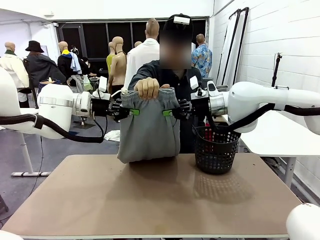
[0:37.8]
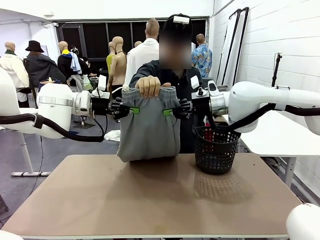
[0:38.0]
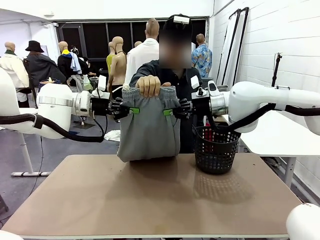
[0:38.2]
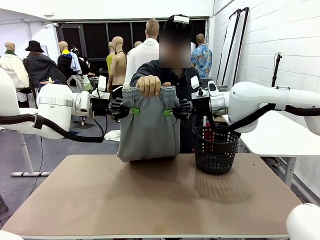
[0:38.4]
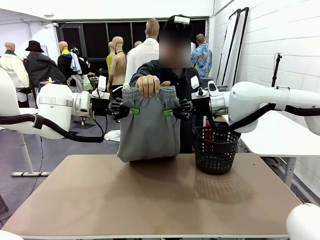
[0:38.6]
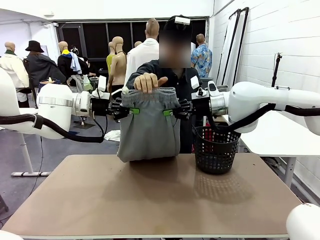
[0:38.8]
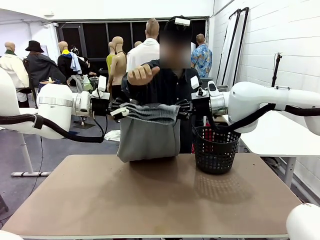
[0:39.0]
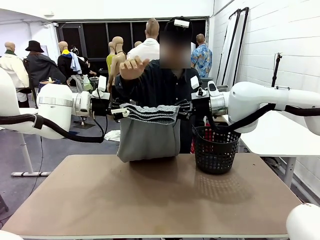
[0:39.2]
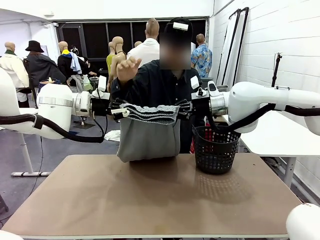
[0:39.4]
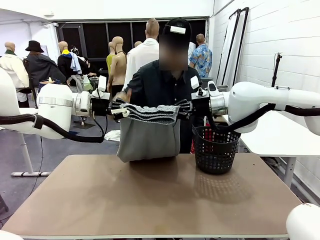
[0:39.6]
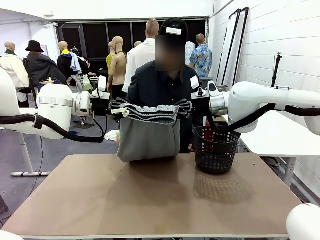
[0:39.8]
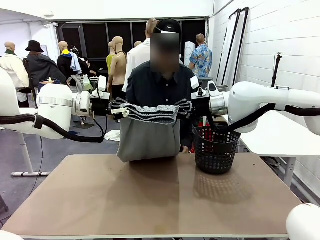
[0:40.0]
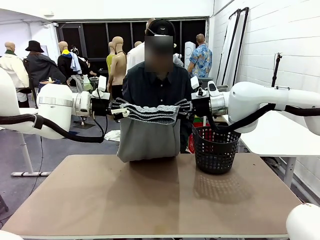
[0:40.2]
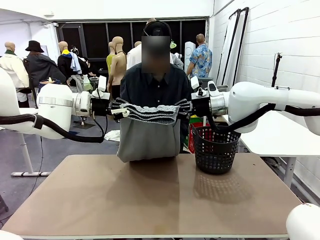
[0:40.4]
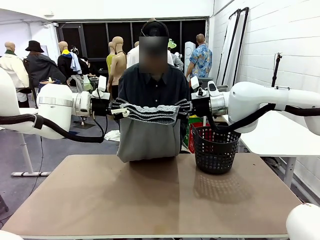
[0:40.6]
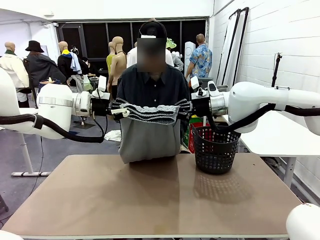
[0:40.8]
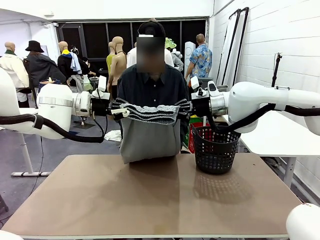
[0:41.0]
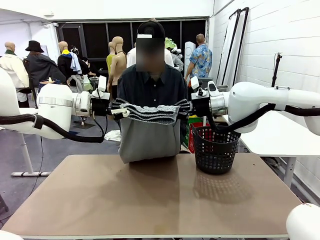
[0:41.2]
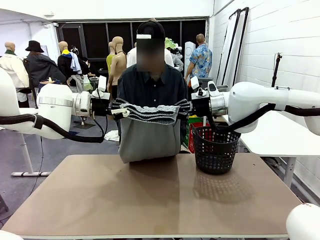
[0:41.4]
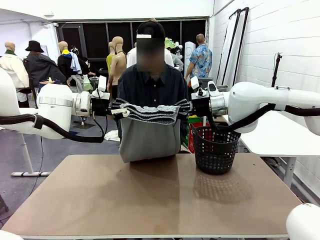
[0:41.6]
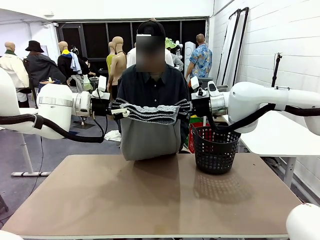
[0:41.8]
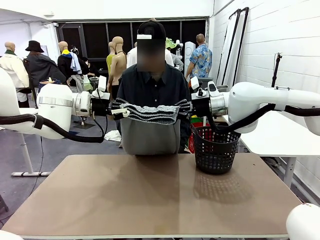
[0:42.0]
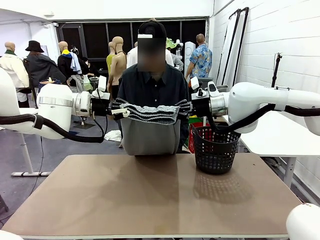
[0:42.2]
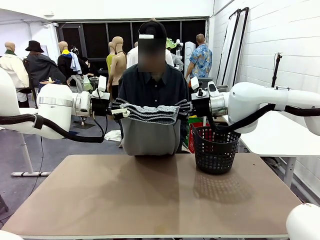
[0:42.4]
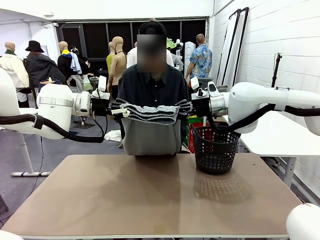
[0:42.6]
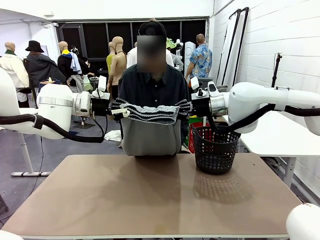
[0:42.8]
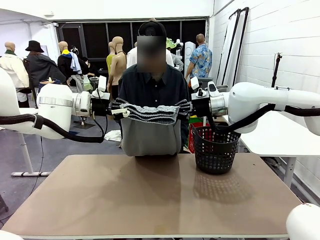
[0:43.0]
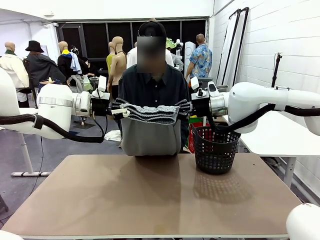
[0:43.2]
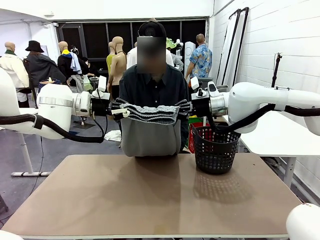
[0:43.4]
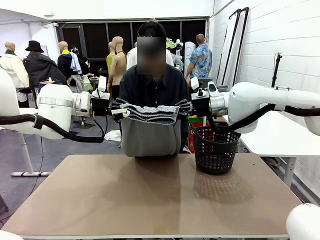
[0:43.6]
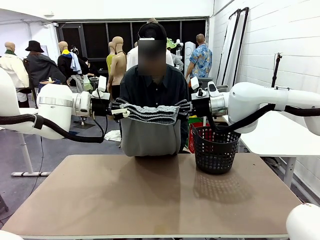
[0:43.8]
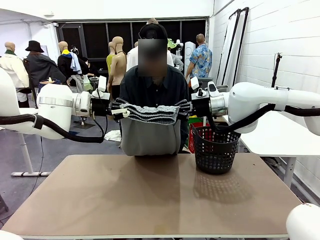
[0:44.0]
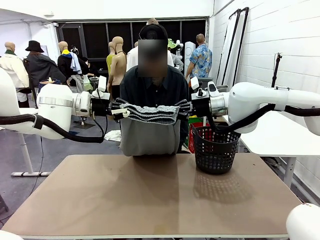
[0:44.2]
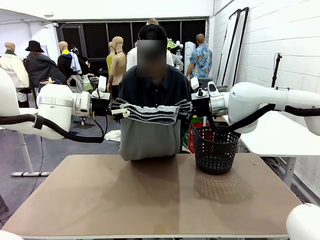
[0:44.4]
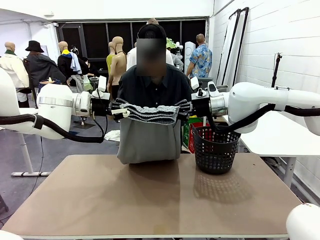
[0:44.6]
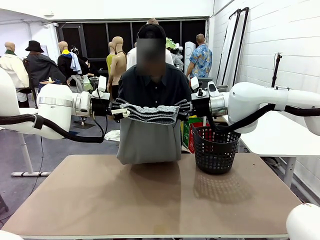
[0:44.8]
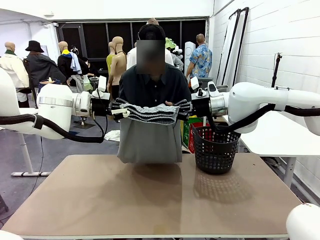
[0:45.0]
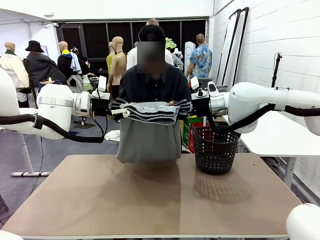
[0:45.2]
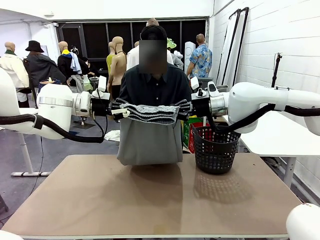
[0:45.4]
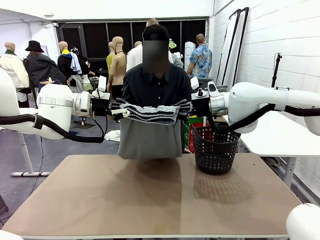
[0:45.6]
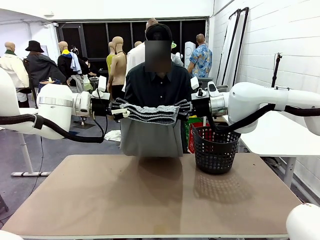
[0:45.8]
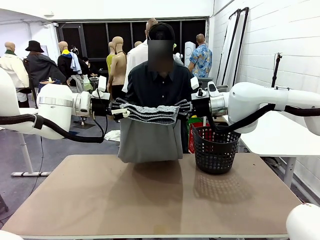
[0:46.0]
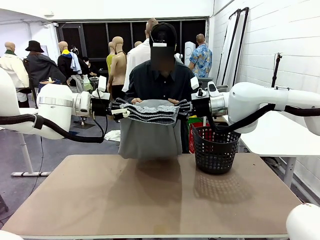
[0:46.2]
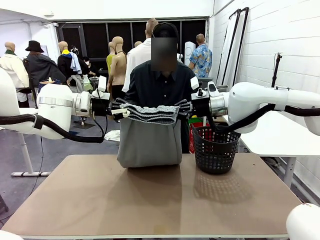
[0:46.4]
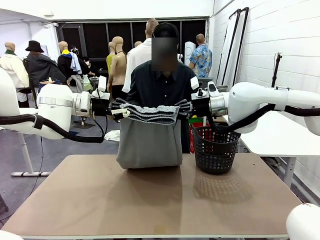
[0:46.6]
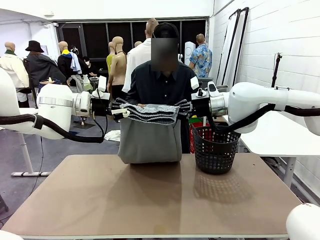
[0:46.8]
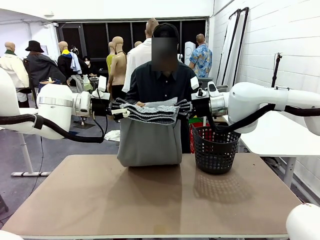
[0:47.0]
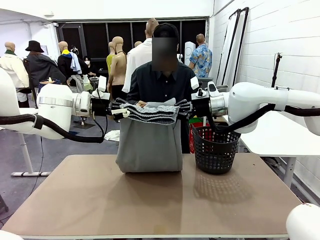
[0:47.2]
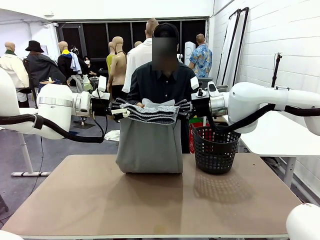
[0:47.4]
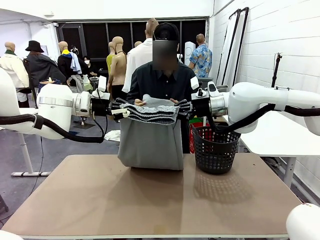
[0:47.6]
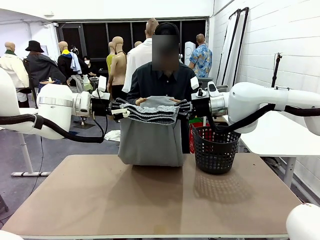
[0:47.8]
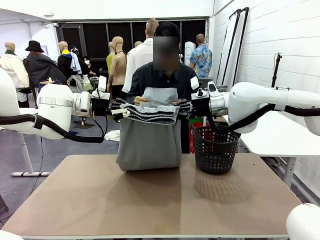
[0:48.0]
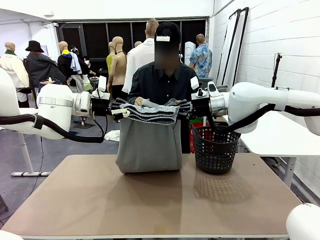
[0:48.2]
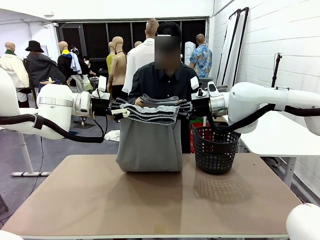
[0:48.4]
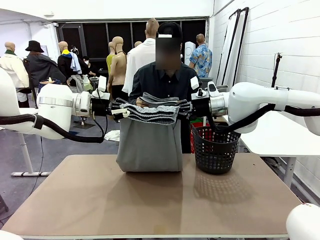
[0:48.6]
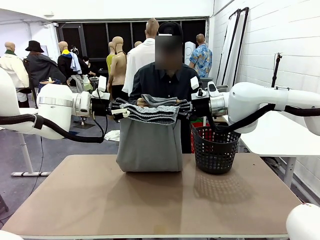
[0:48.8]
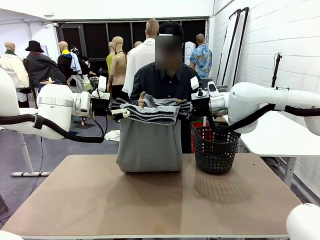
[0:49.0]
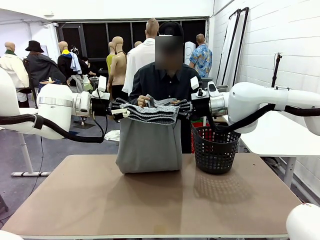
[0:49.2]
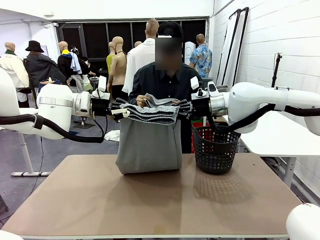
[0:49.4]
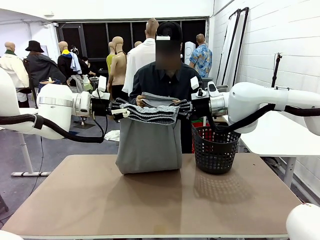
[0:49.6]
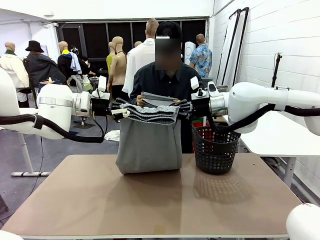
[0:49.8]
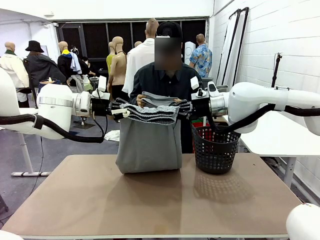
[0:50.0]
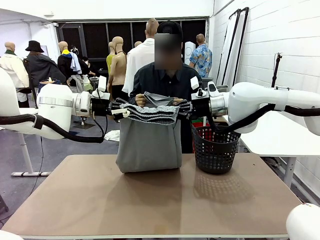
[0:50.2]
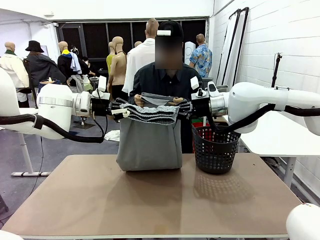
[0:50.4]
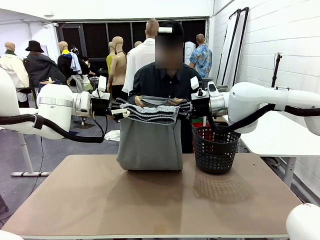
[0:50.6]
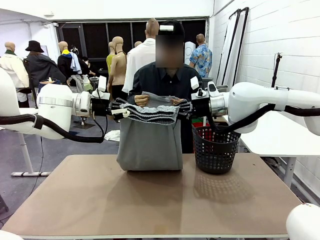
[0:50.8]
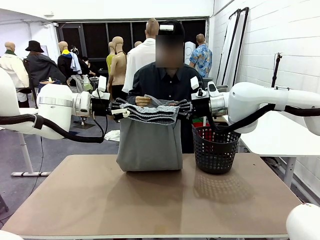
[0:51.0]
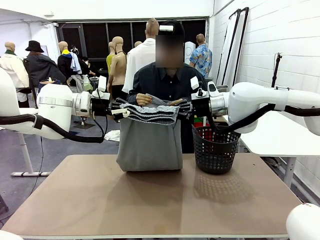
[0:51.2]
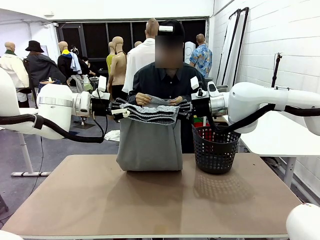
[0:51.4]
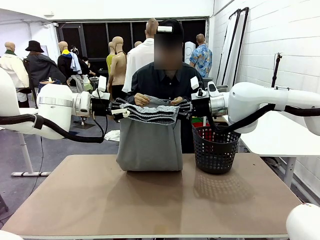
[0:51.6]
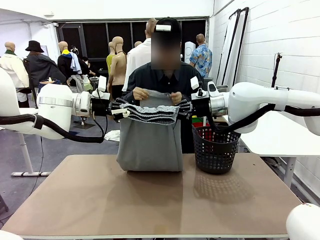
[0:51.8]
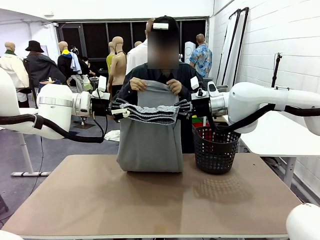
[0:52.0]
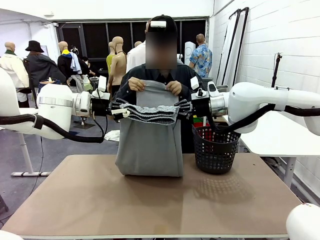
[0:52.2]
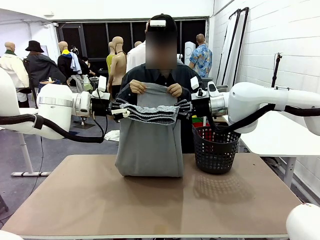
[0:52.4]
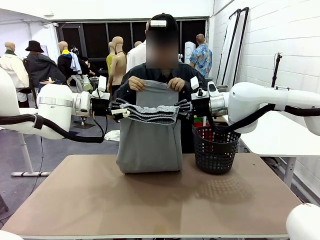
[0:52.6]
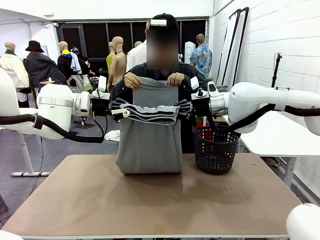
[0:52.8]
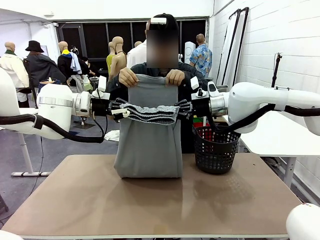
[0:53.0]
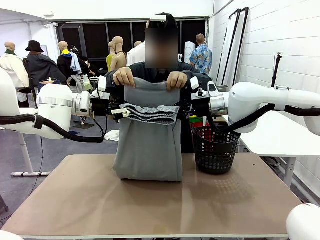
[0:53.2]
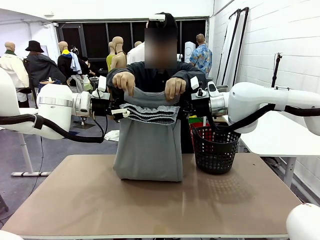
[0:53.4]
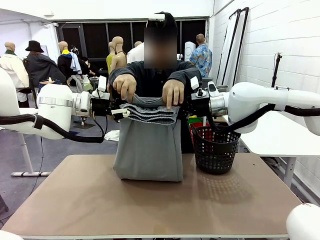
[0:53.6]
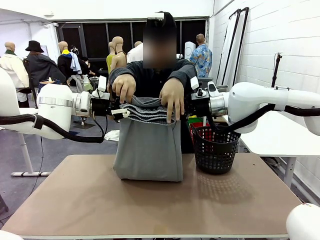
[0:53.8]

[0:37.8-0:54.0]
Task: Fold the training pants.
Robot: Release the ends of the Training pants and then grab the overlapped ends.
Person: Grasp the end opposite the point the robot is holding, fold the pants in half, and then grasp the overlapping top end of the folded pants.

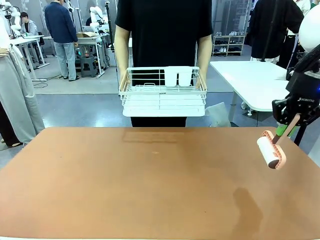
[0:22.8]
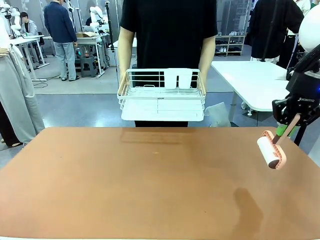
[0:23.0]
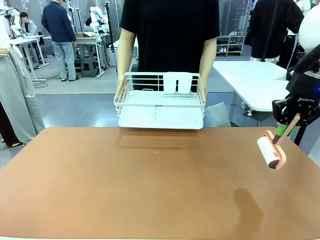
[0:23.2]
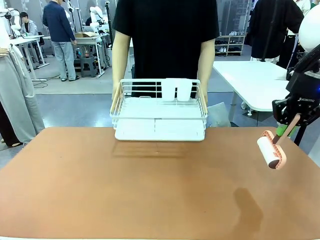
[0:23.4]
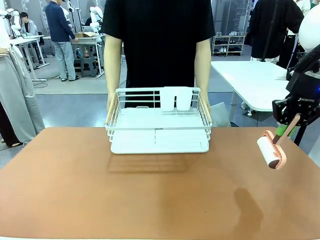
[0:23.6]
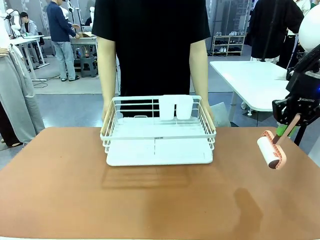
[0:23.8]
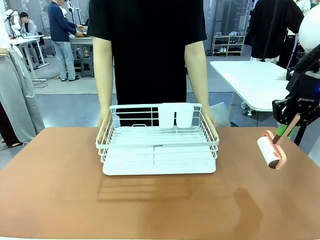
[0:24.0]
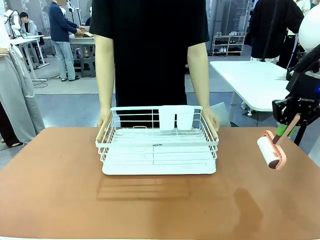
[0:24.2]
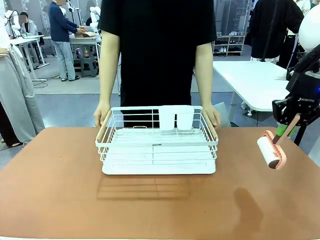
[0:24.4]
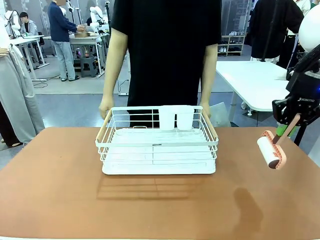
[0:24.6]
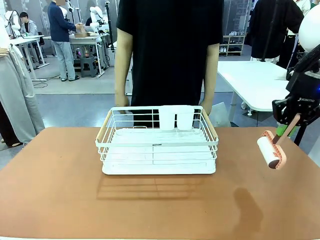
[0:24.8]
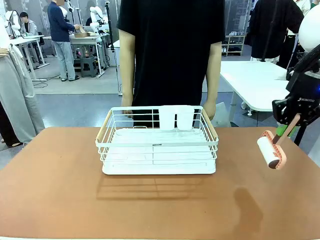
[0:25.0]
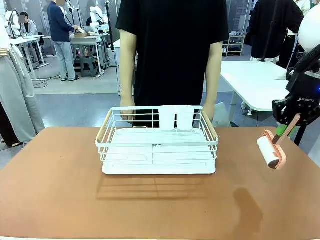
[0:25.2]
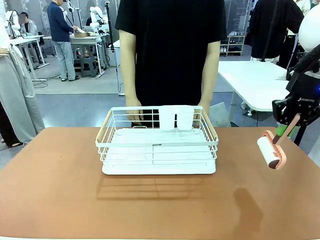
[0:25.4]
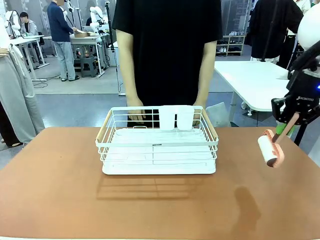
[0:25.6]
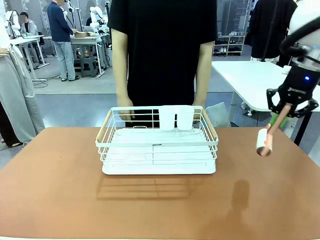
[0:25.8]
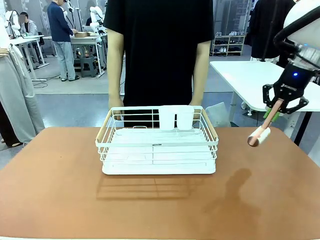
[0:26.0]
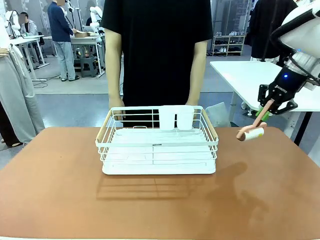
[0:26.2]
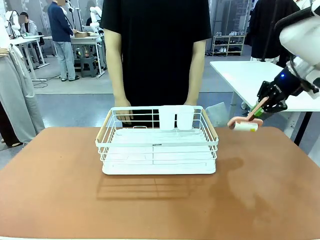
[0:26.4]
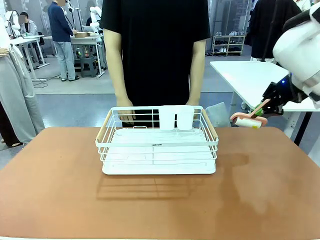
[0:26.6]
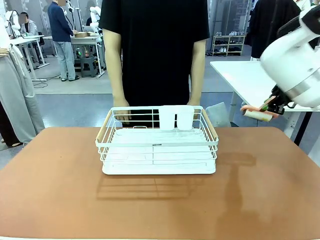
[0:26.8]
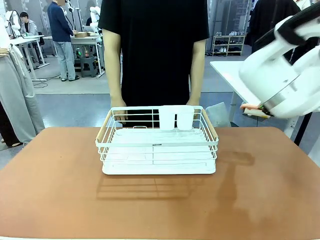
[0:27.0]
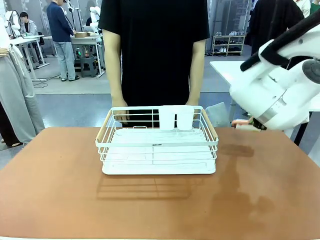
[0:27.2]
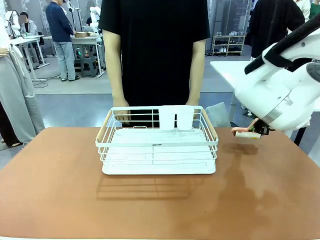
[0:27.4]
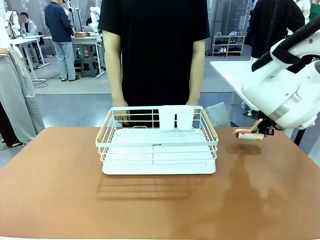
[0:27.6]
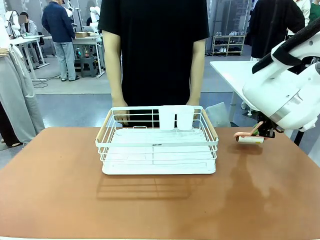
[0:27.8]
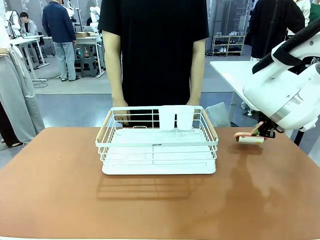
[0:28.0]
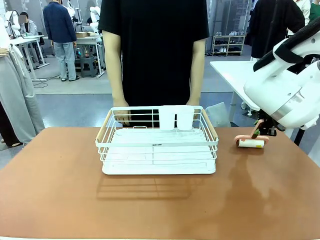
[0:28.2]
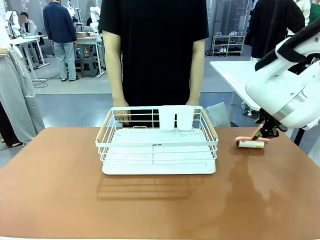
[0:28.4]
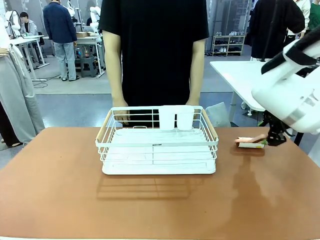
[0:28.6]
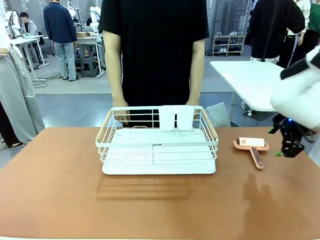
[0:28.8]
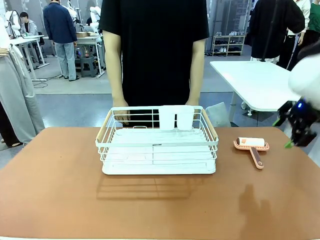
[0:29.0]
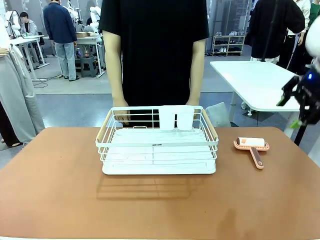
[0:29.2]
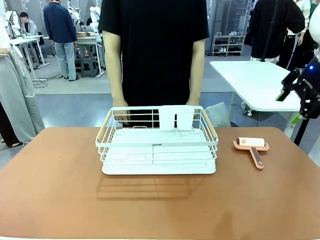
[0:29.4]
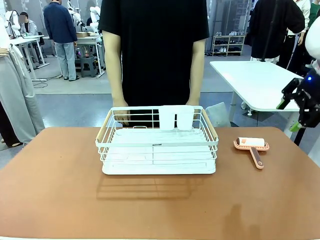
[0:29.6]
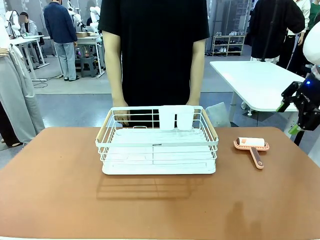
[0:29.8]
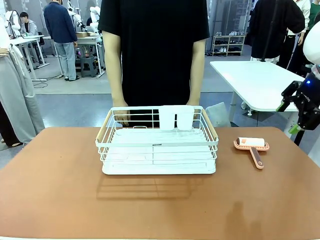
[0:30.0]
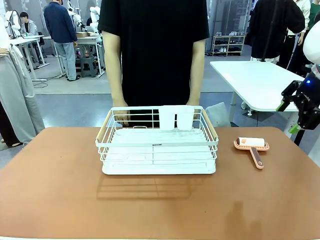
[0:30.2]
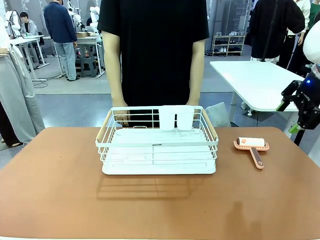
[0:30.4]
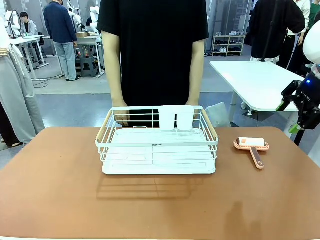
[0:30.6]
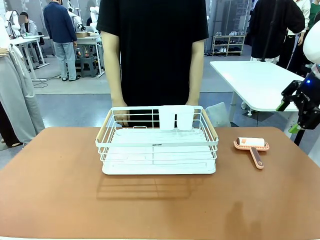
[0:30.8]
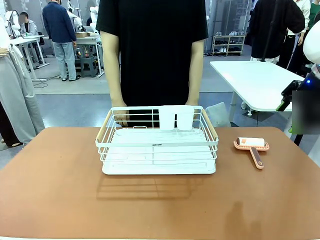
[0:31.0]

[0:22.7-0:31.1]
Task: Clean the table.
Robot: Place the Lint Roller down when the Dish drying rack is positioned in the middle of the table.
